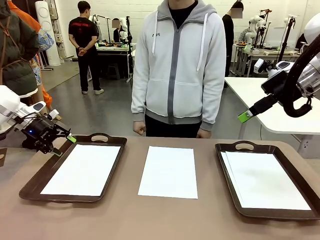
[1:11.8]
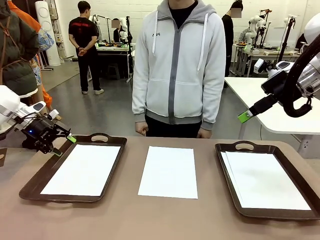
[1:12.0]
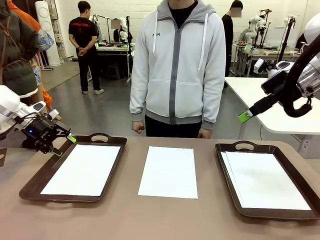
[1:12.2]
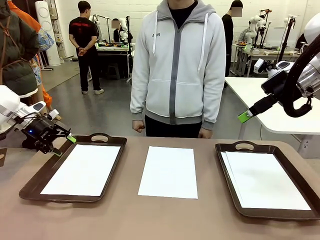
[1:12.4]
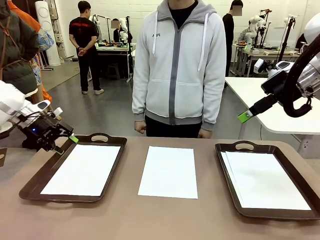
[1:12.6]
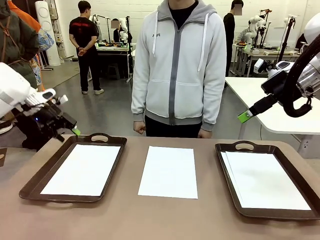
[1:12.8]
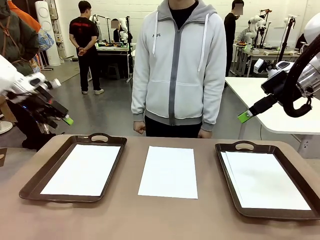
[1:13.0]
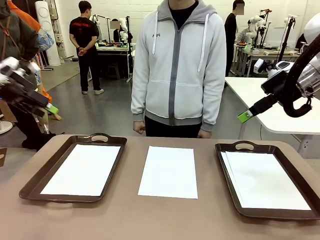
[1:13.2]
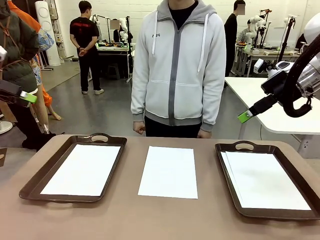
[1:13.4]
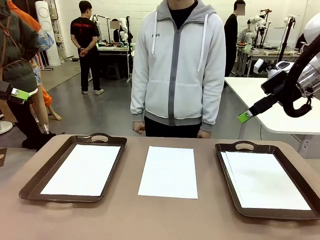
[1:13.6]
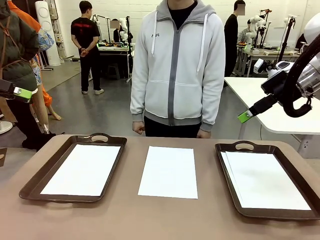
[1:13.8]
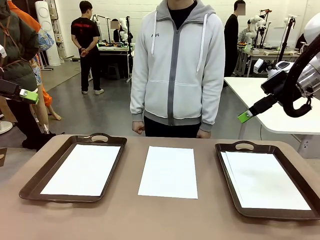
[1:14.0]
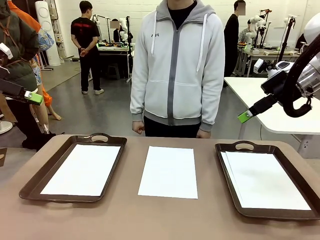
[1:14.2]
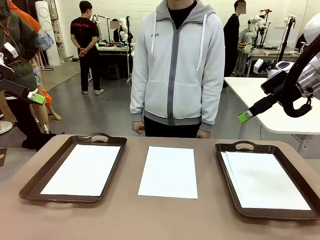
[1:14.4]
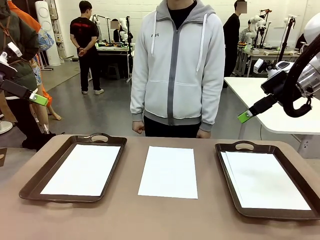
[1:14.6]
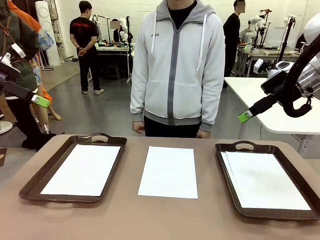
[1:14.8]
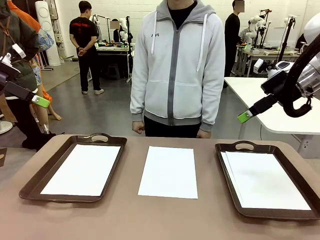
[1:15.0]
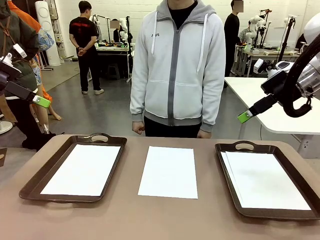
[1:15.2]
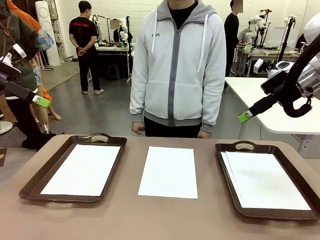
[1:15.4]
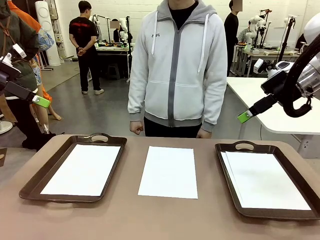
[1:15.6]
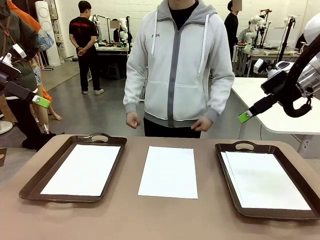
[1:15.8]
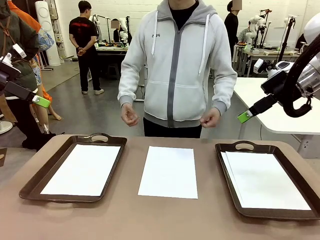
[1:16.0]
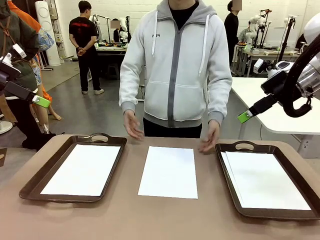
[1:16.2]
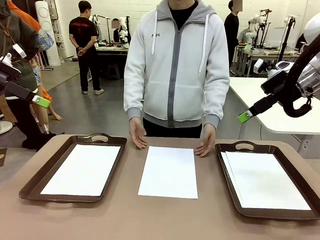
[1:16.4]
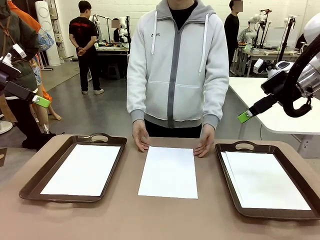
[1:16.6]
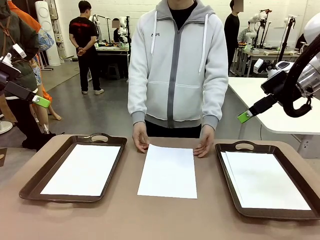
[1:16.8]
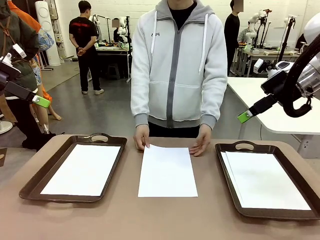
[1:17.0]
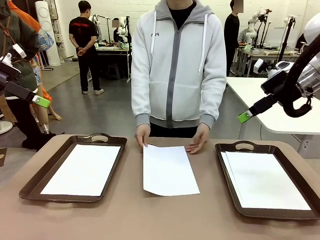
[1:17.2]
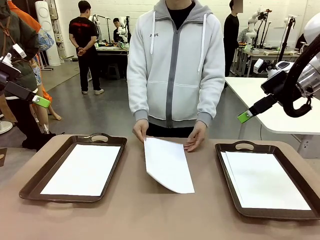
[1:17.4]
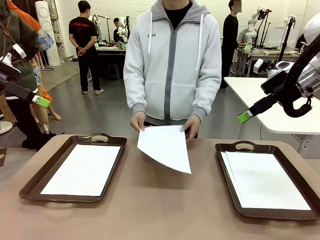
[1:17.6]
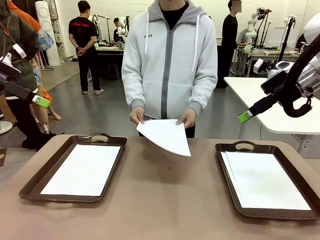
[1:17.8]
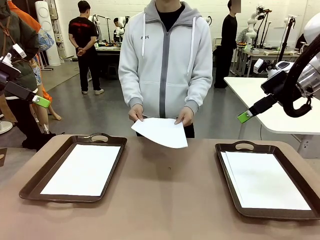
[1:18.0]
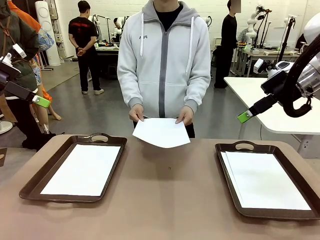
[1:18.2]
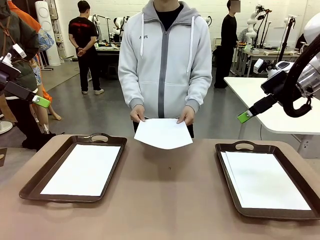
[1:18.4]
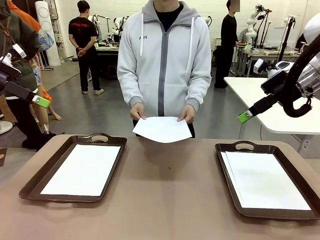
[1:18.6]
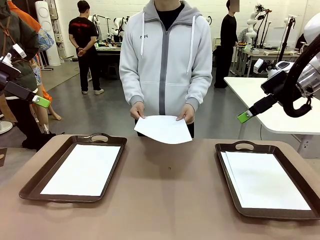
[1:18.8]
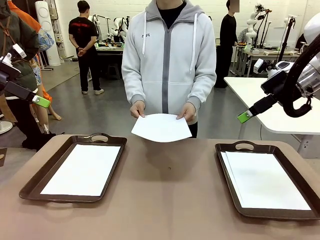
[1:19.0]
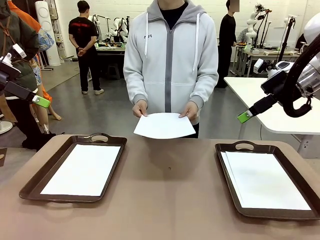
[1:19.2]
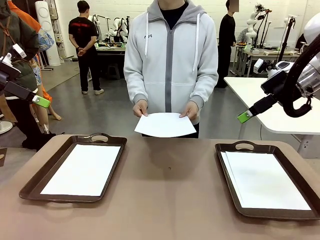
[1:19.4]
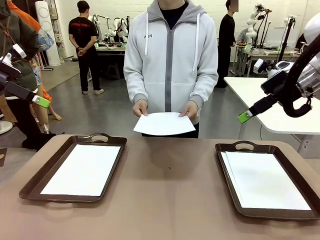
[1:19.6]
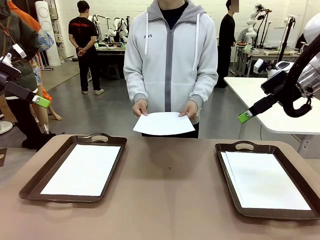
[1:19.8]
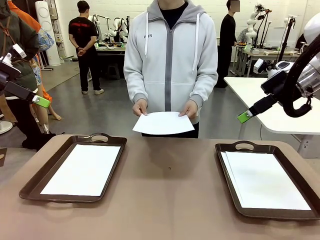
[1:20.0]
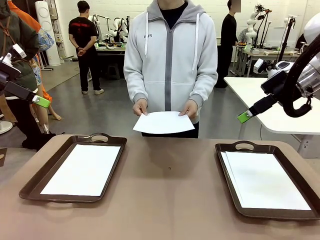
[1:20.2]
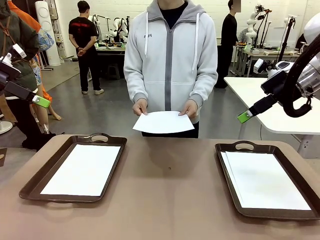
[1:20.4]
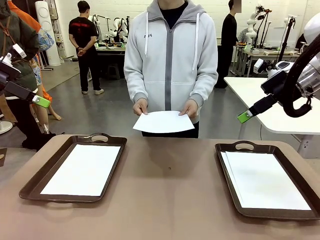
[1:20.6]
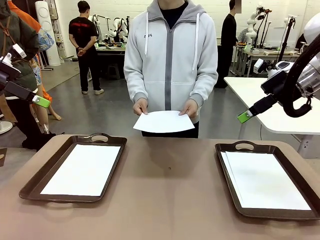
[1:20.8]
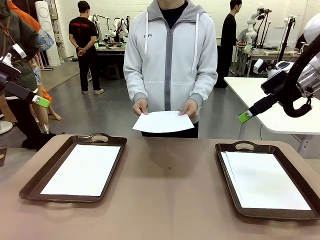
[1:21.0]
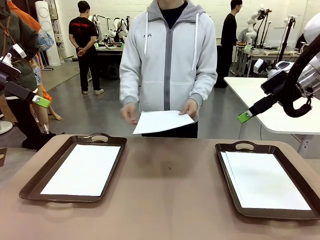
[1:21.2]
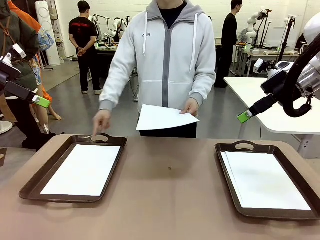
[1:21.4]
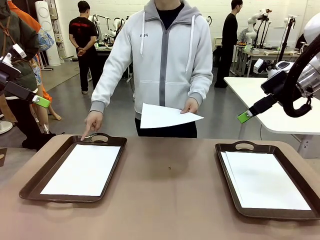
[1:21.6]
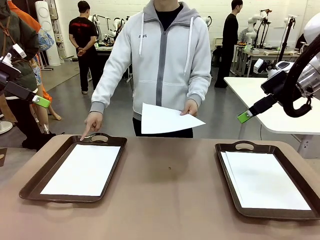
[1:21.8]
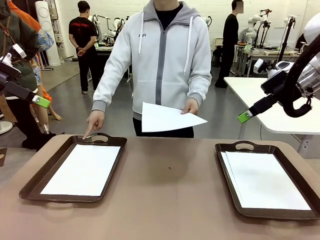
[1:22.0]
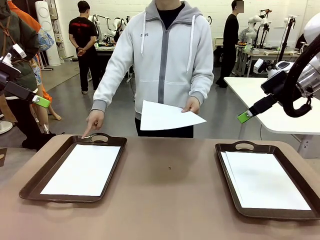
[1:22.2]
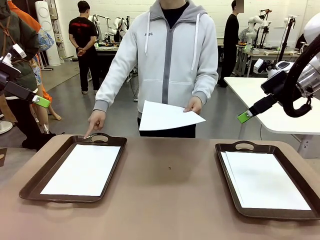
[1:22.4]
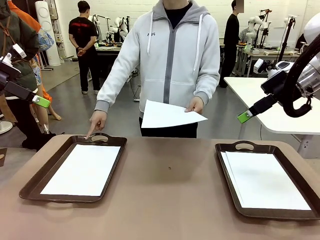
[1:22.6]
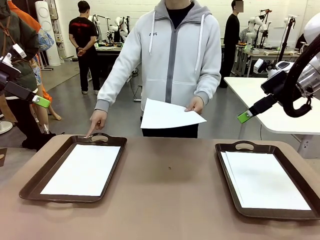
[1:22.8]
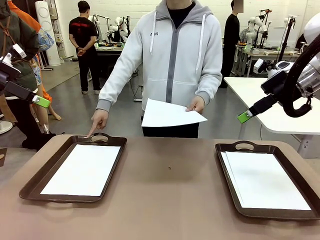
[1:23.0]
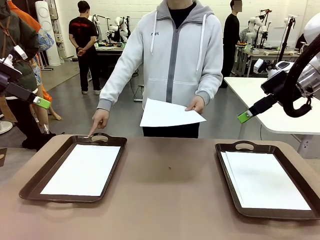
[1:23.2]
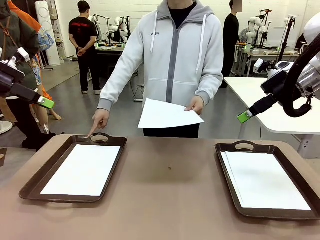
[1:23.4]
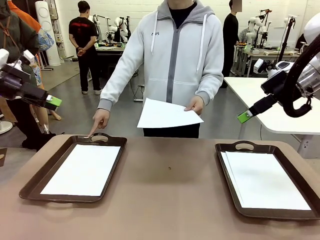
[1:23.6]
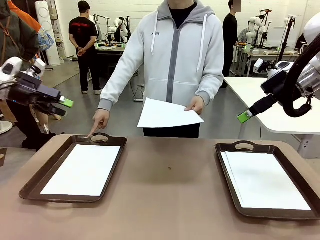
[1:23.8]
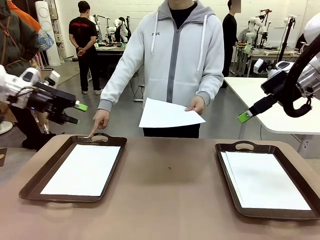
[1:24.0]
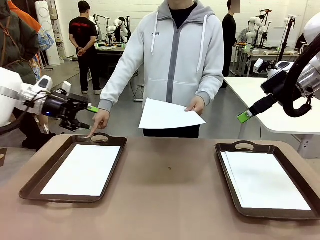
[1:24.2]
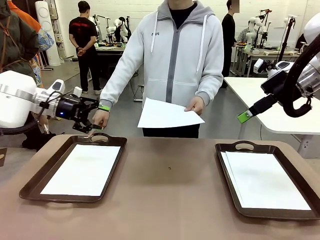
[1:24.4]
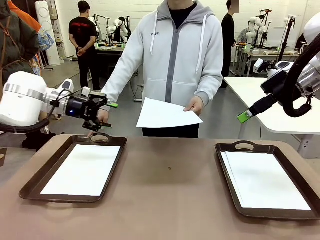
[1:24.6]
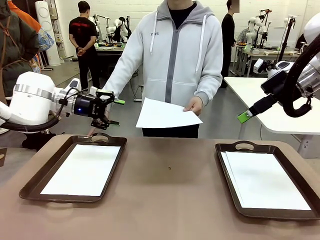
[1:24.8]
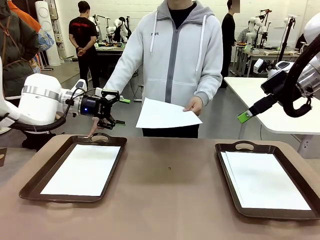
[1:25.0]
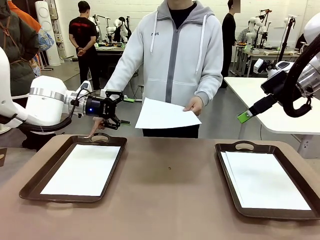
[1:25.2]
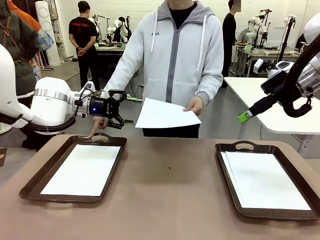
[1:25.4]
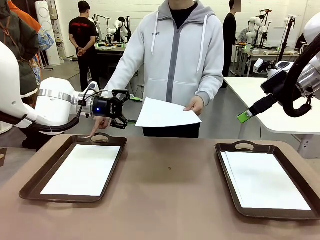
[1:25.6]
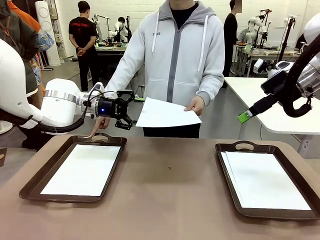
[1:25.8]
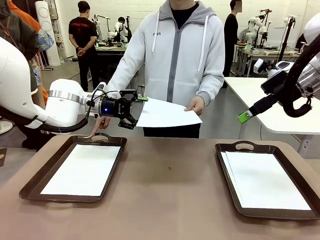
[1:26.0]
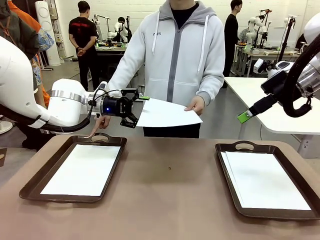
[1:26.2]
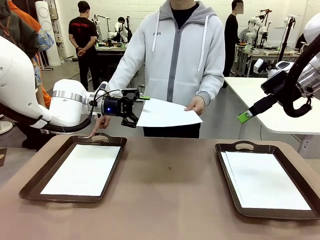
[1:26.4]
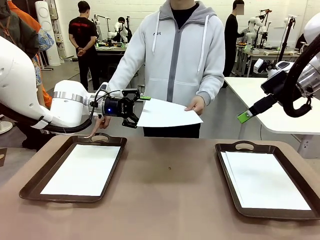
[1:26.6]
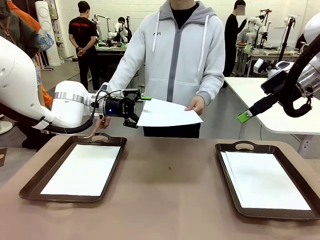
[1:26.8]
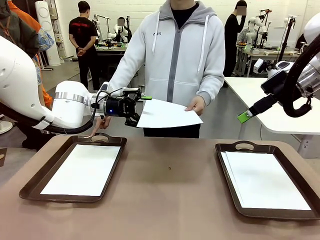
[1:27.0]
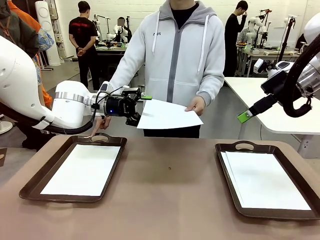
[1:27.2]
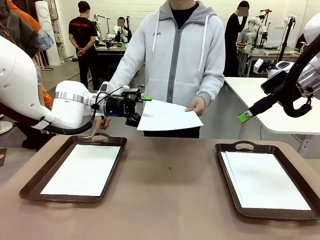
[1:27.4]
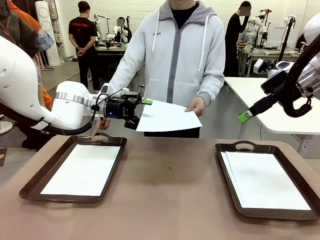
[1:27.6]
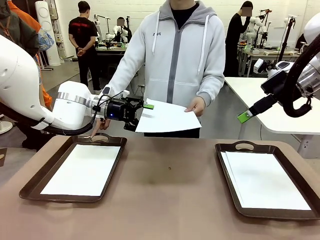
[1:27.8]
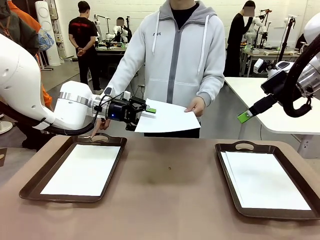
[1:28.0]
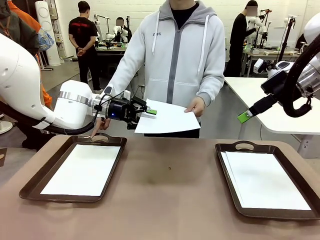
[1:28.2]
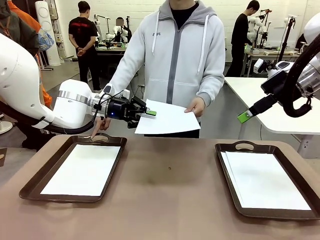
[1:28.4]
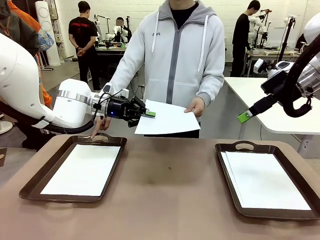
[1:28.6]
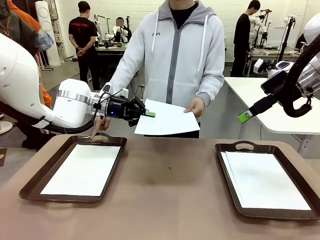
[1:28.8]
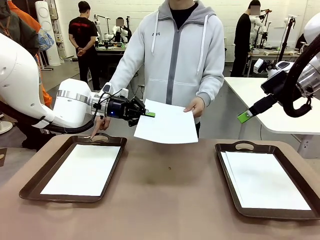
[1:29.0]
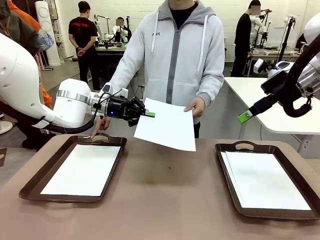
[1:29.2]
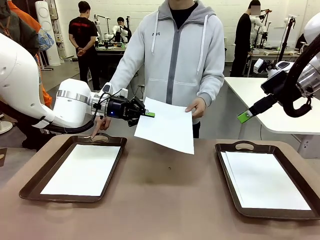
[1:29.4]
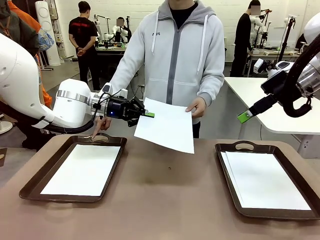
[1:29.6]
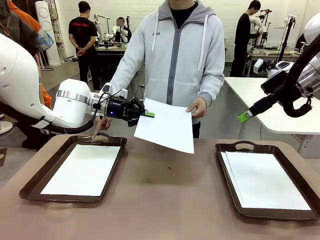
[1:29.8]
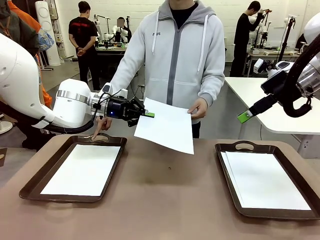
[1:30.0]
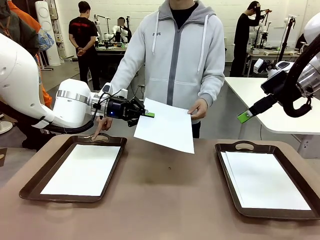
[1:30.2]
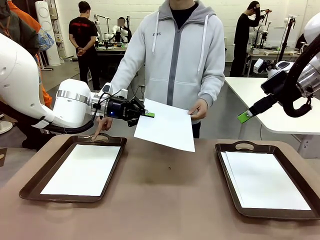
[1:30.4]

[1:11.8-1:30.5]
Task: Sort the A4 documents.
Robot: Receive the A4 Paper.
Person: Point the randomly selected tray with the other hand.

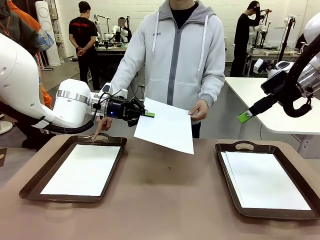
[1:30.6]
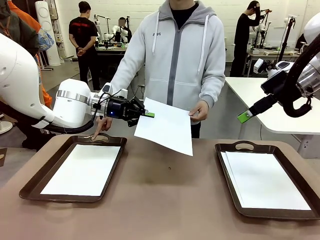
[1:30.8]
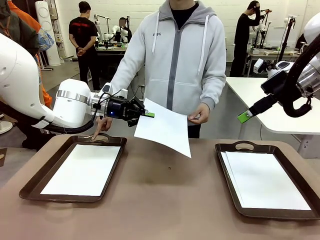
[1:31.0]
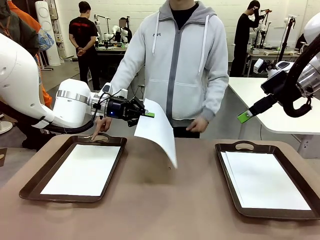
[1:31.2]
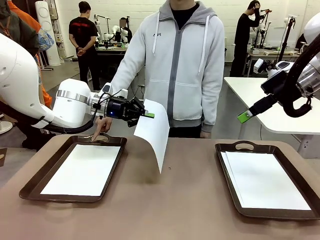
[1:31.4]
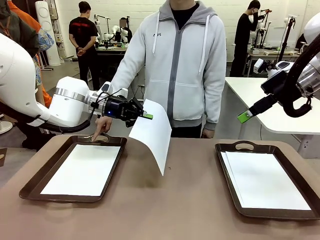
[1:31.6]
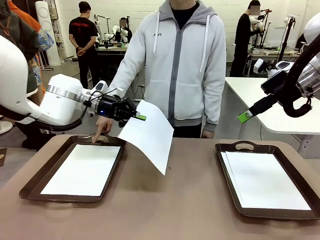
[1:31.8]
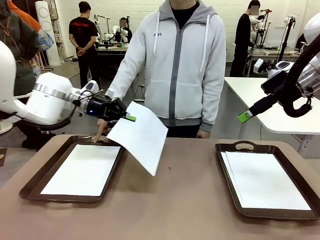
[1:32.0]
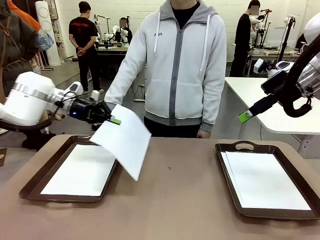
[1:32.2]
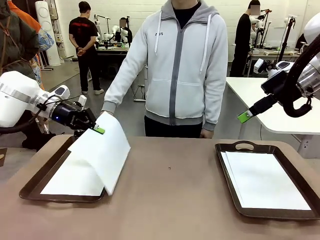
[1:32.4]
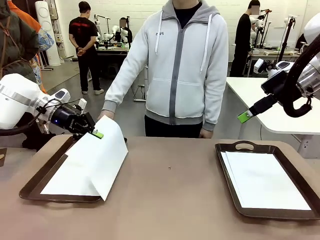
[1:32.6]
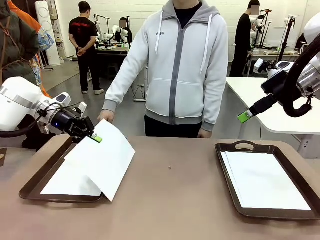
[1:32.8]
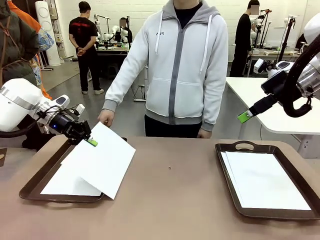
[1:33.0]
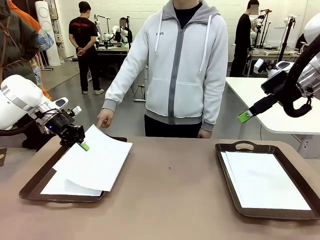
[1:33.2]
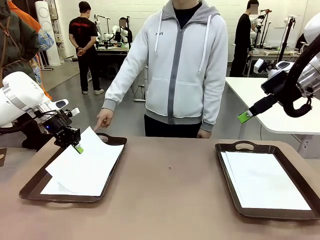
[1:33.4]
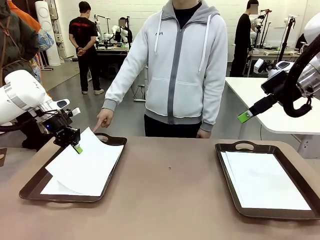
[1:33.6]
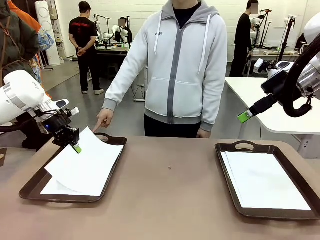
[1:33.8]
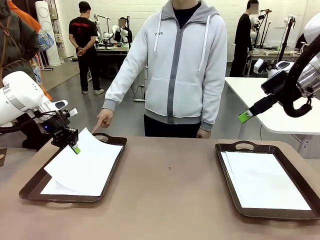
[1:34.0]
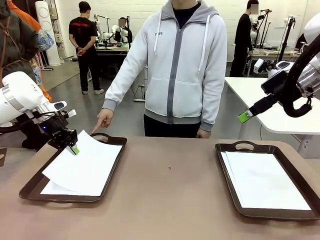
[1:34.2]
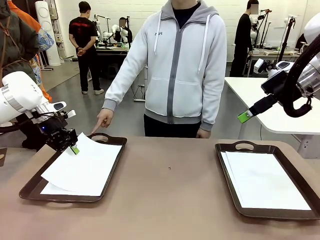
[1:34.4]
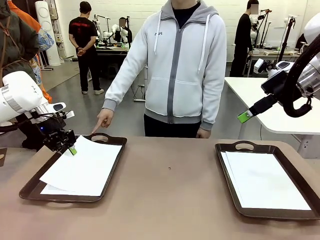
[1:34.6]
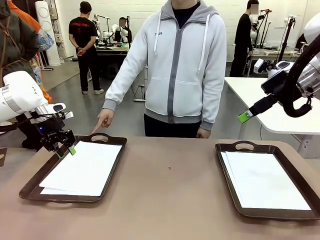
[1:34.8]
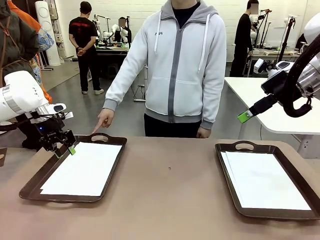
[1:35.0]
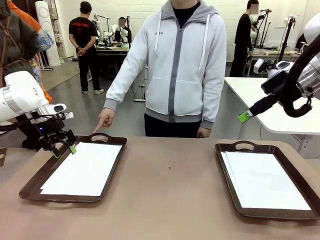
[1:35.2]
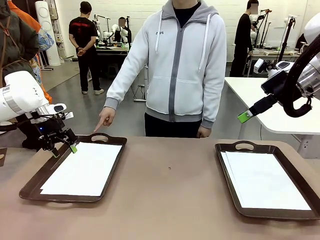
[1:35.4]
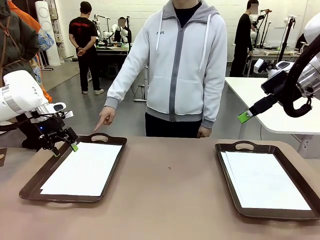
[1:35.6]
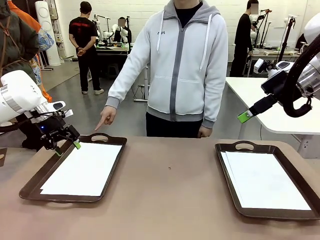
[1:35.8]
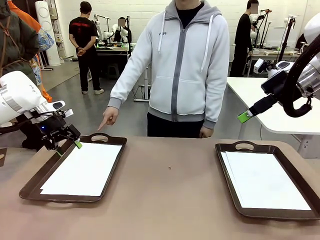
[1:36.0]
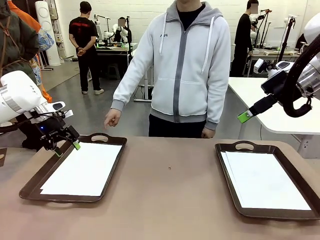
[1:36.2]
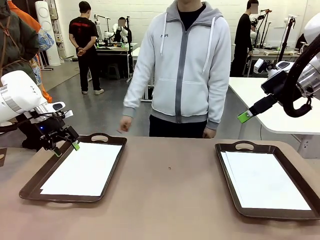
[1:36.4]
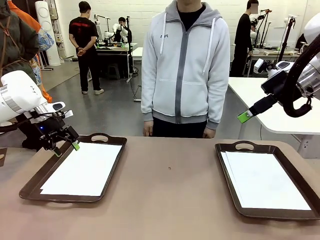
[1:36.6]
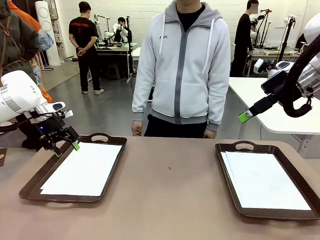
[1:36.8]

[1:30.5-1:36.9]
Robot: Place the A4 Paper in the designated Handle tray.
